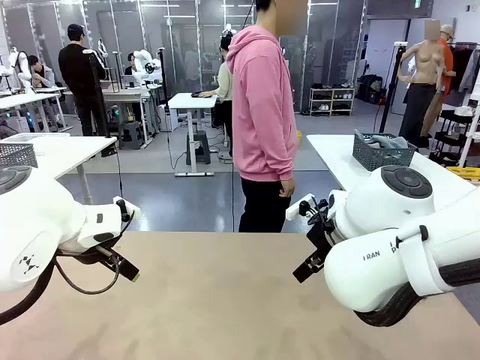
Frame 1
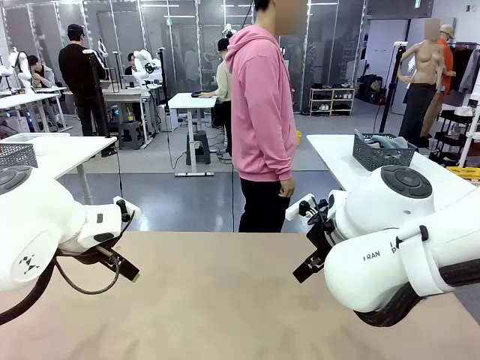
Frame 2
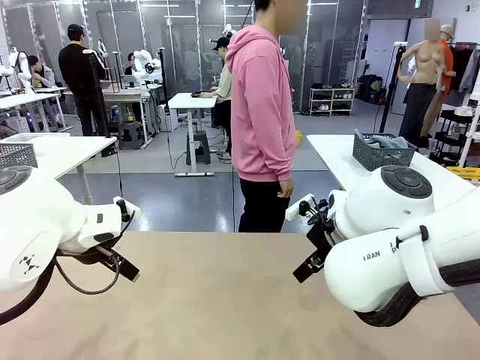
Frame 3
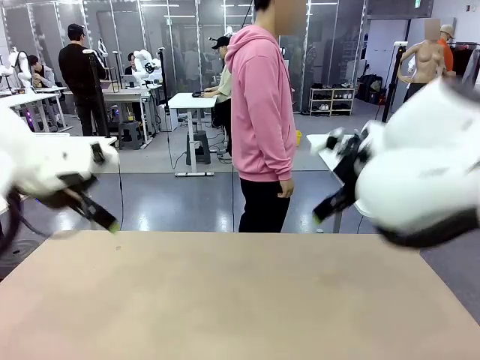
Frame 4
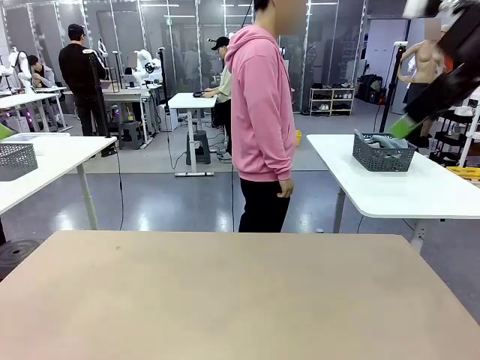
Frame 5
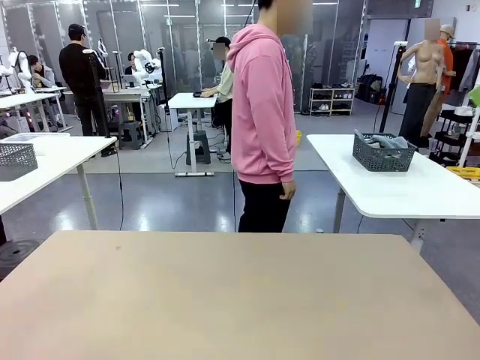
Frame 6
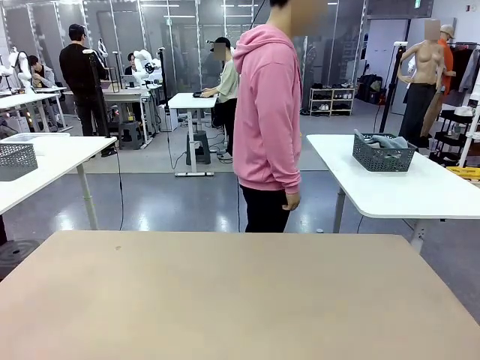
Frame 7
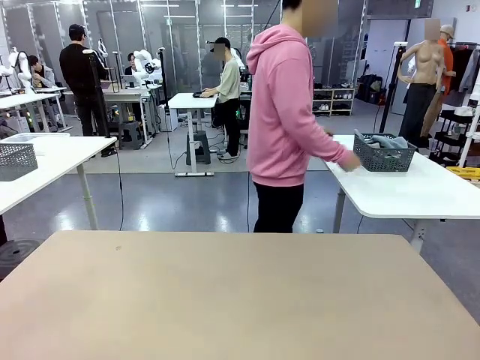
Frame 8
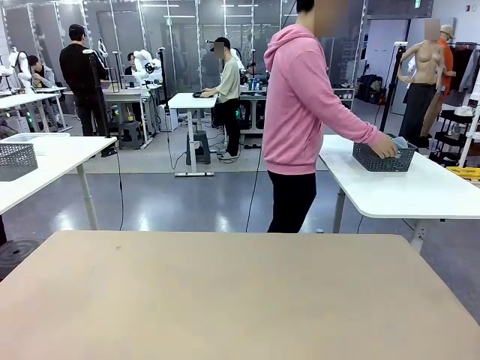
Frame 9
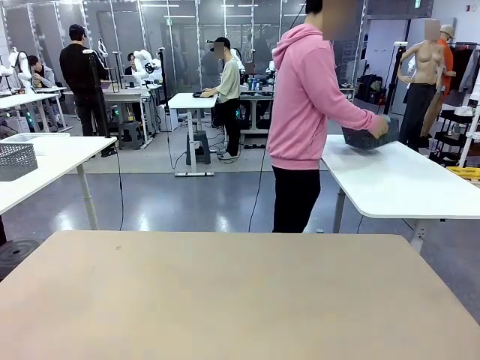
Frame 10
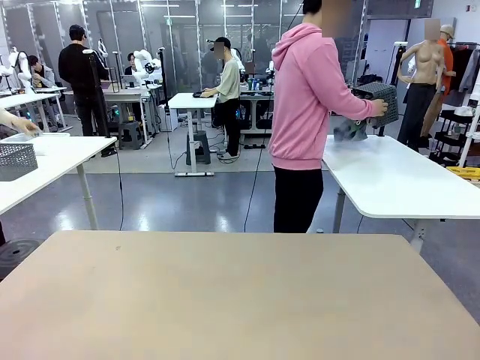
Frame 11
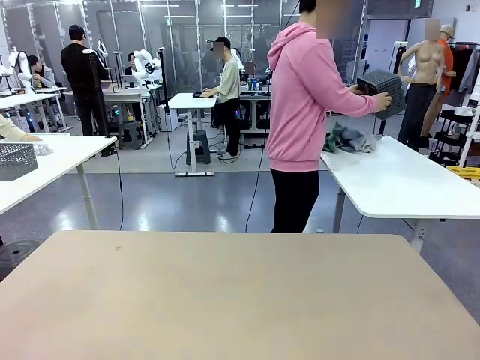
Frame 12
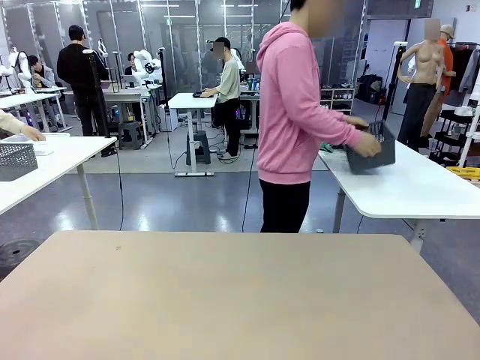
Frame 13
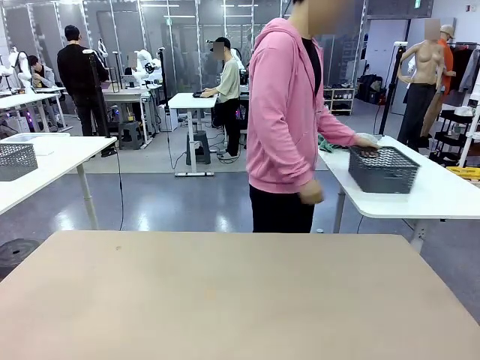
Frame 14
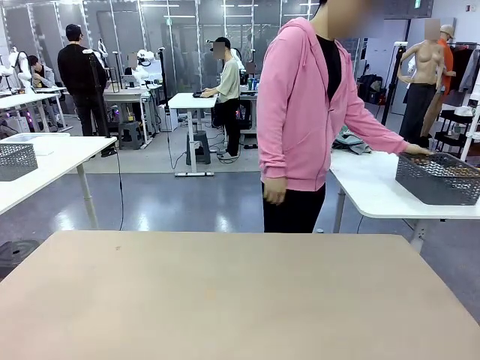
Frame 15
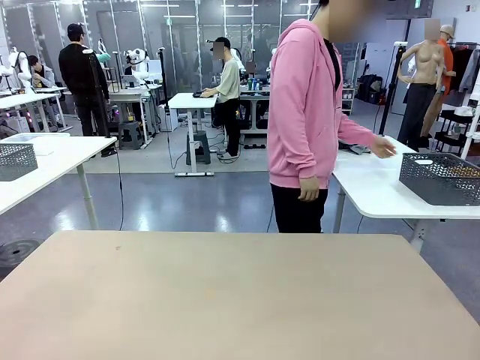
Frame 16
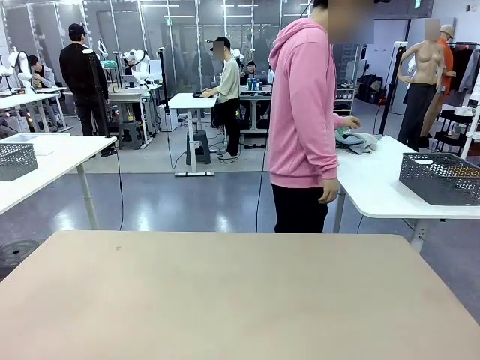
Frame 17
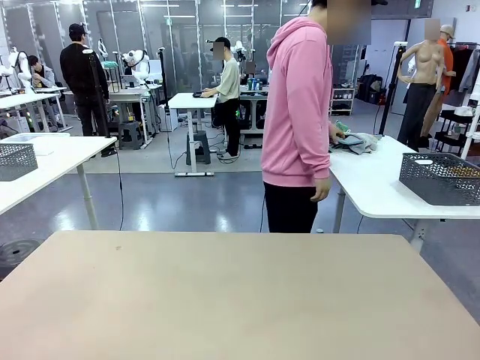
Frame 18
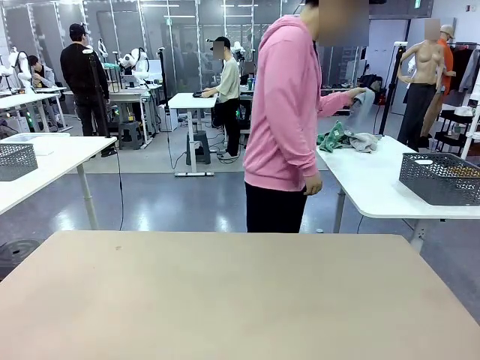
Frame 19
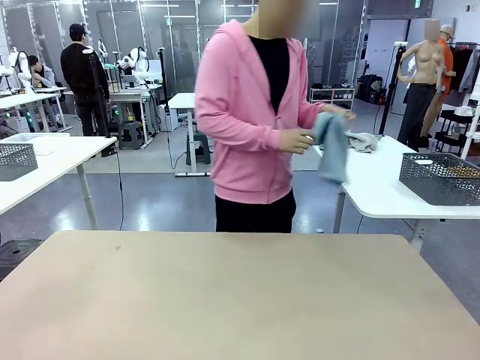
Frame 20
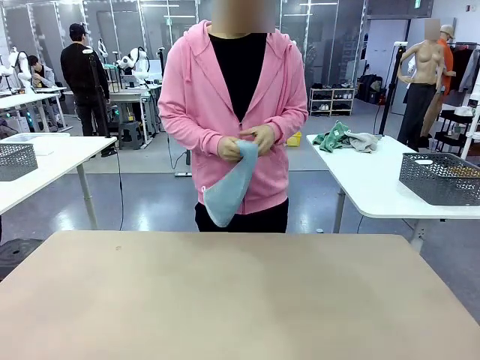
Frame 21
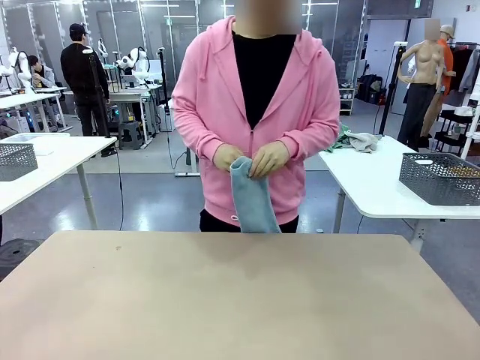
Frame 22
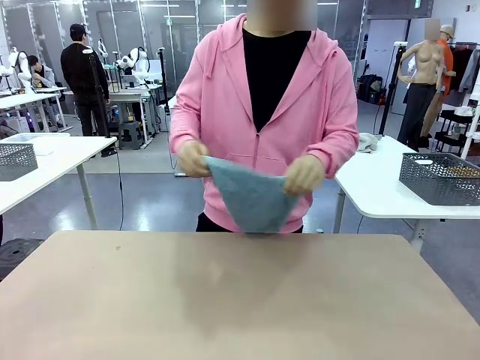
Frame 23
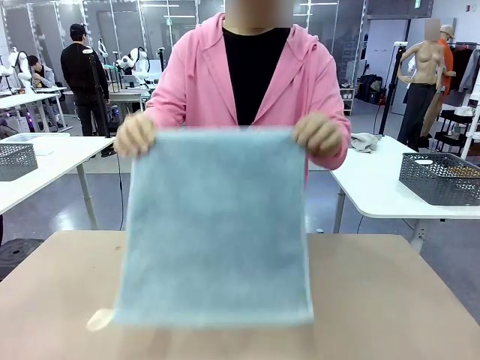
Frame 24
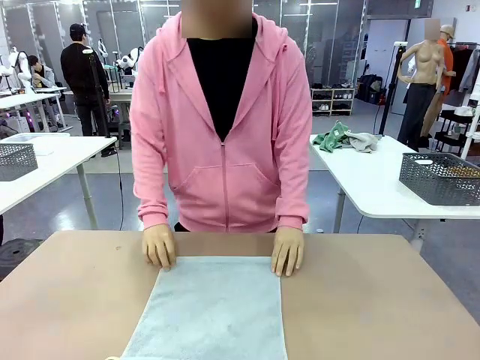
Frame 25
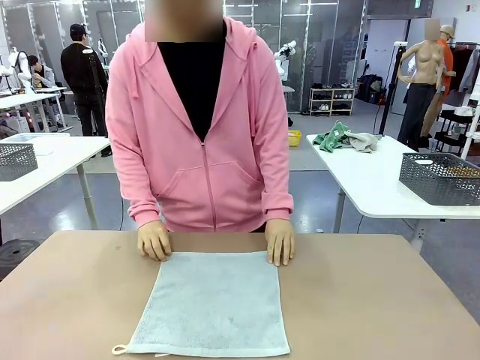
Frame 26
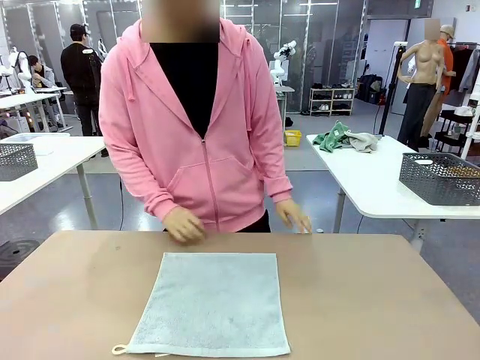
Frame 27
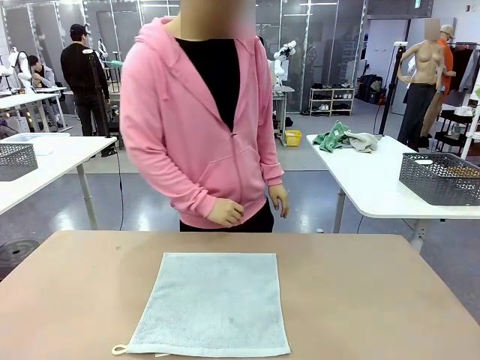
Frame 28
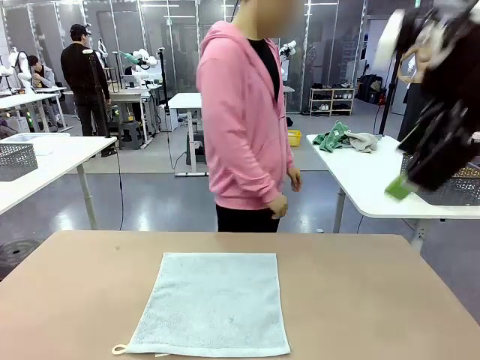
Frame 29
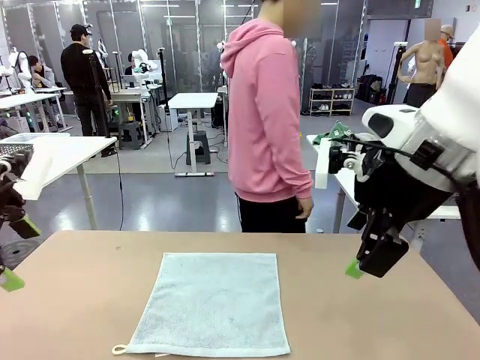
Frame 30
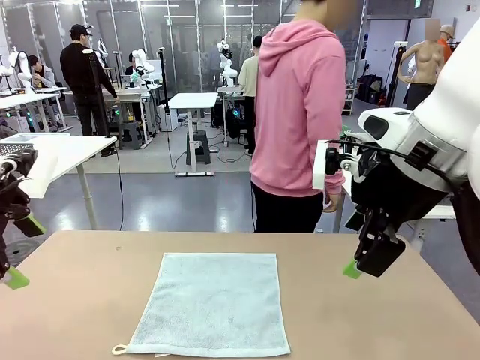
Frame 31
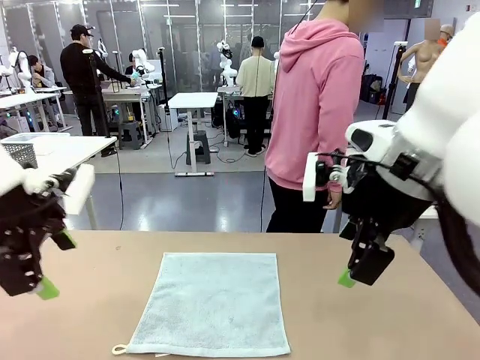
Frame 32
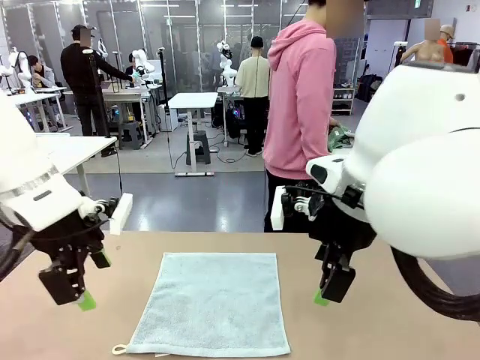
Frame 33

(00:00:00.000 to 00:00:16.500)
Task: Fold the towels and place them in the basket.
Robot: When a person lays out a Towel with hook on the table, fold it in half twice.
Person: Pick up the basket, pour the towels onto the left side of the human table, and place the basket on the right side. Pick up one towel and spread it out at the center of the robot table.
